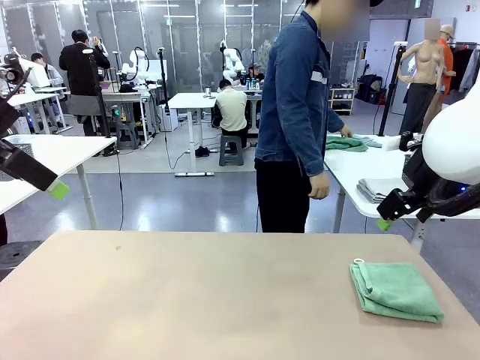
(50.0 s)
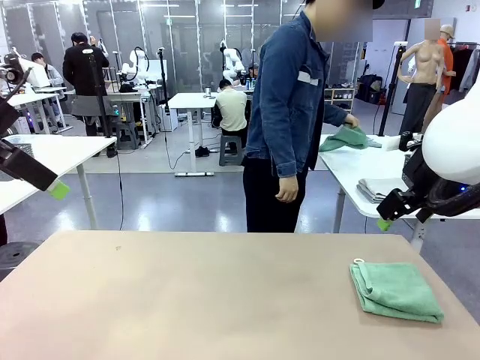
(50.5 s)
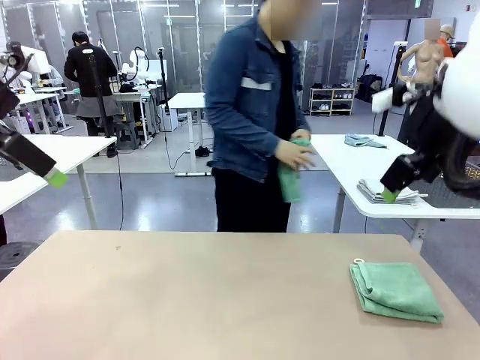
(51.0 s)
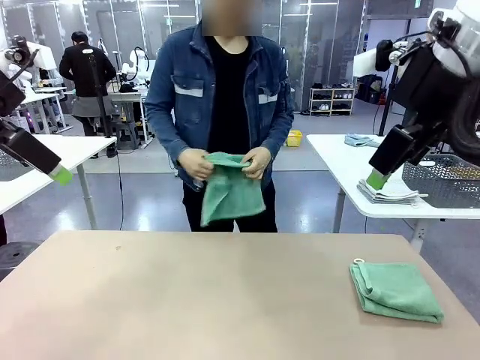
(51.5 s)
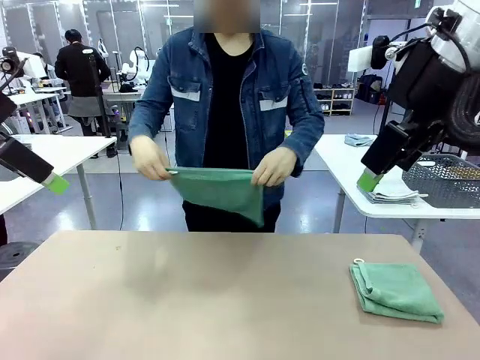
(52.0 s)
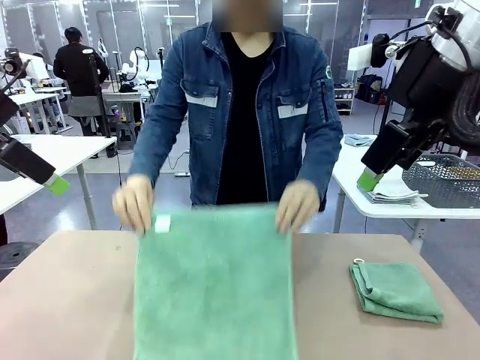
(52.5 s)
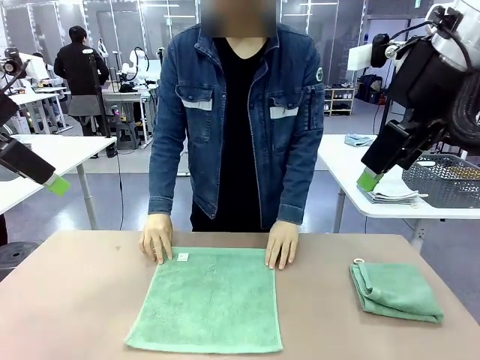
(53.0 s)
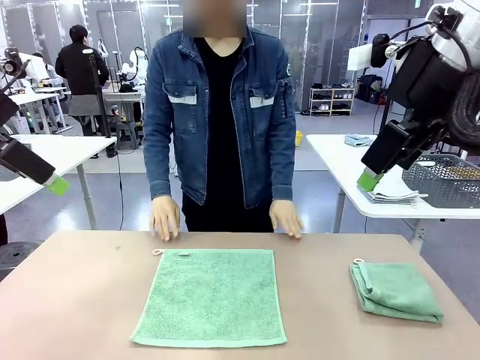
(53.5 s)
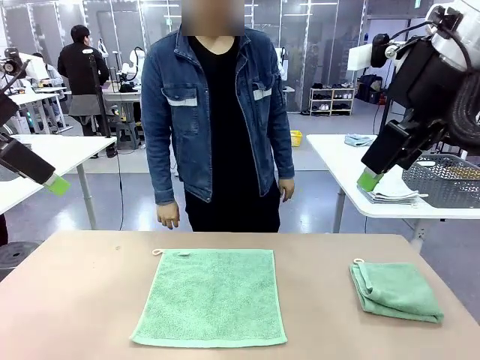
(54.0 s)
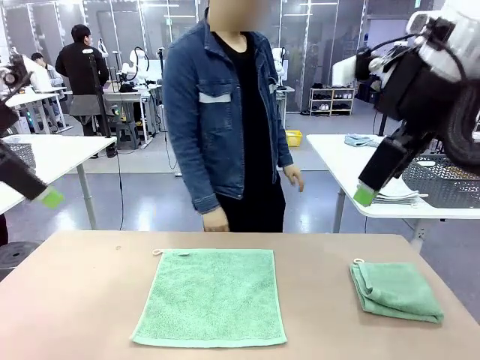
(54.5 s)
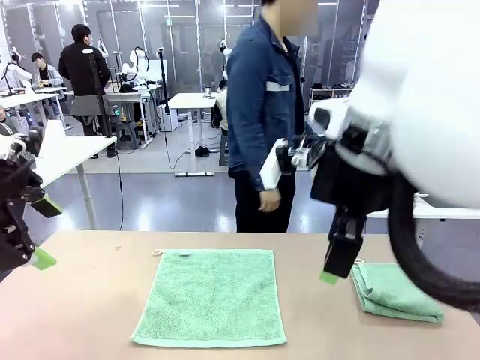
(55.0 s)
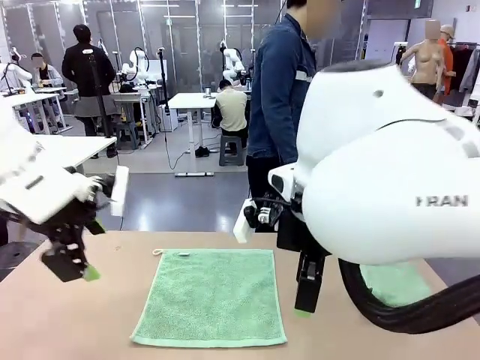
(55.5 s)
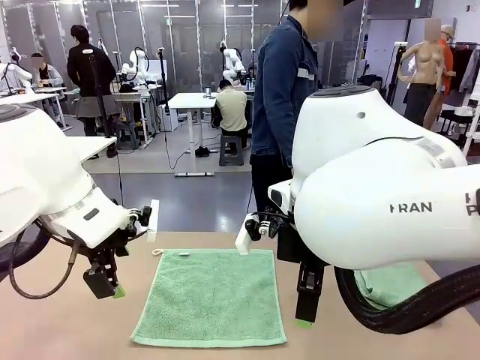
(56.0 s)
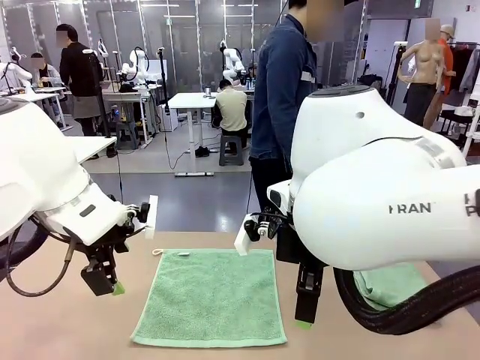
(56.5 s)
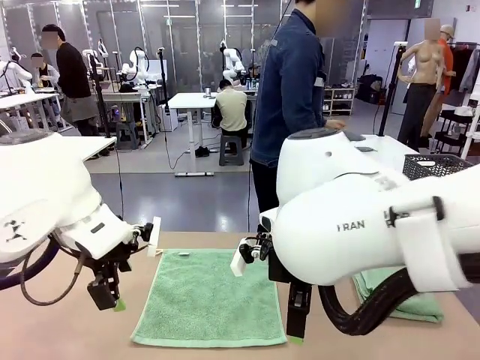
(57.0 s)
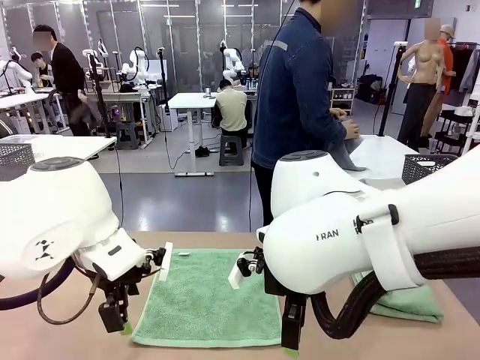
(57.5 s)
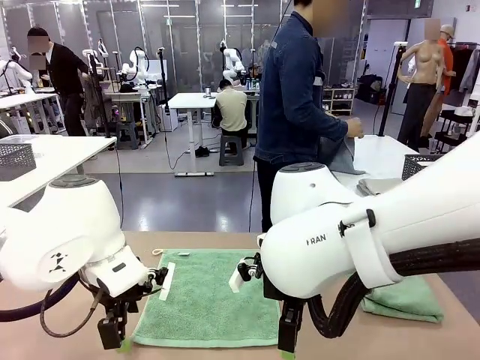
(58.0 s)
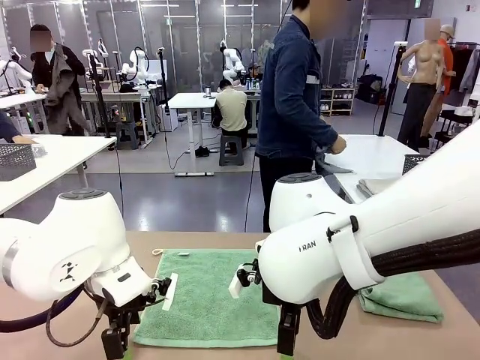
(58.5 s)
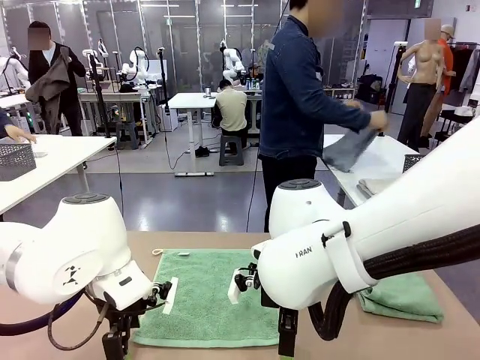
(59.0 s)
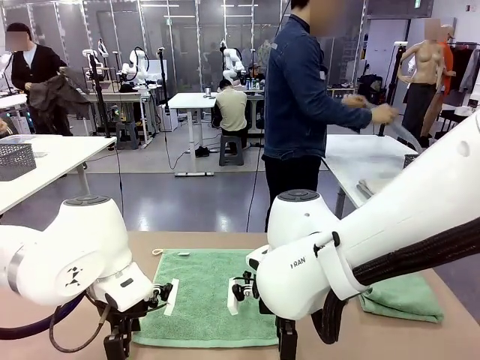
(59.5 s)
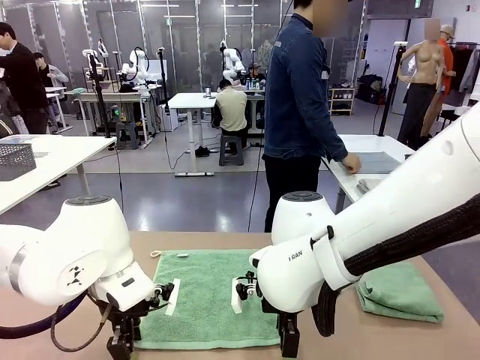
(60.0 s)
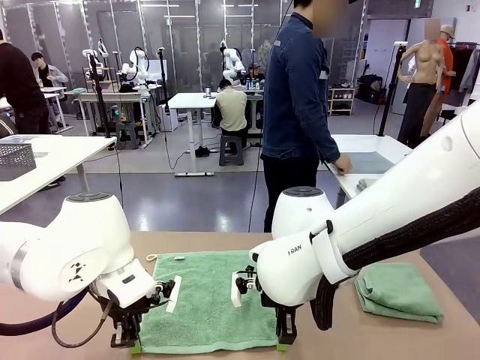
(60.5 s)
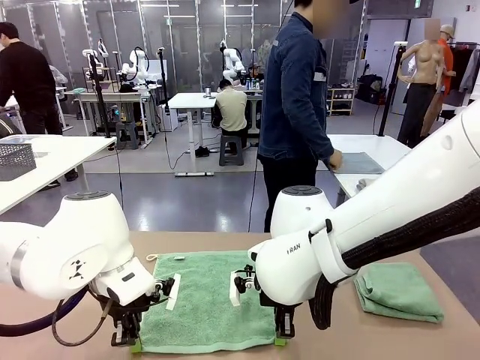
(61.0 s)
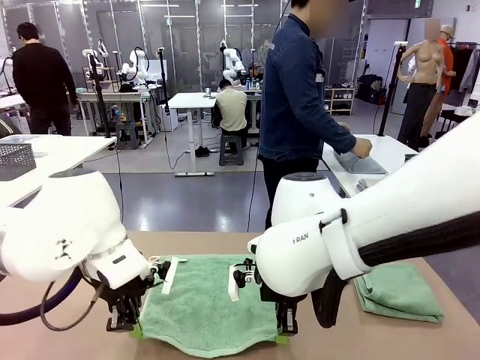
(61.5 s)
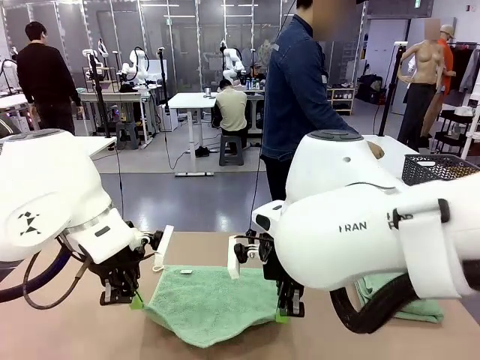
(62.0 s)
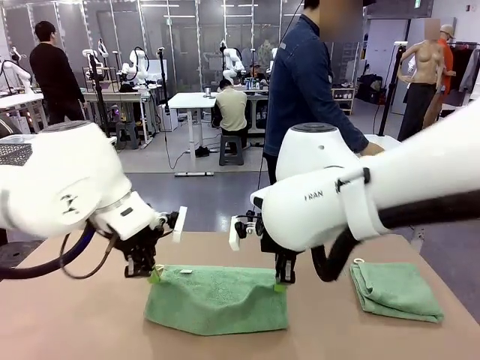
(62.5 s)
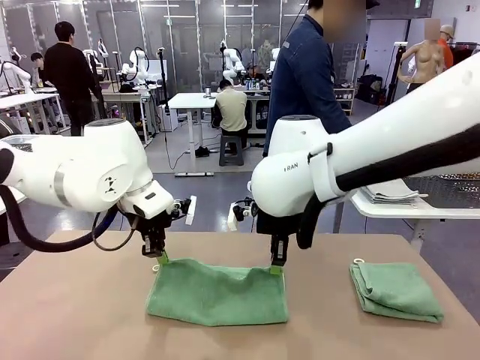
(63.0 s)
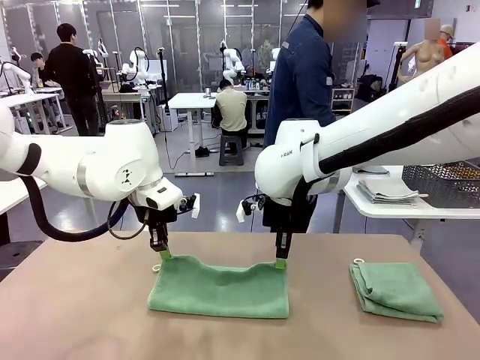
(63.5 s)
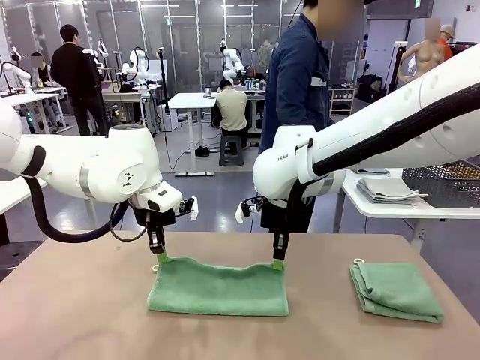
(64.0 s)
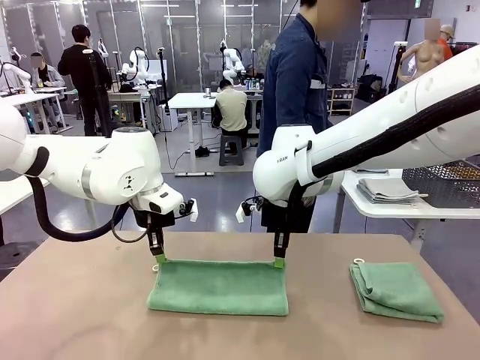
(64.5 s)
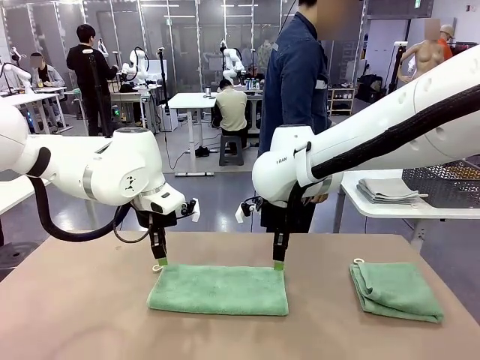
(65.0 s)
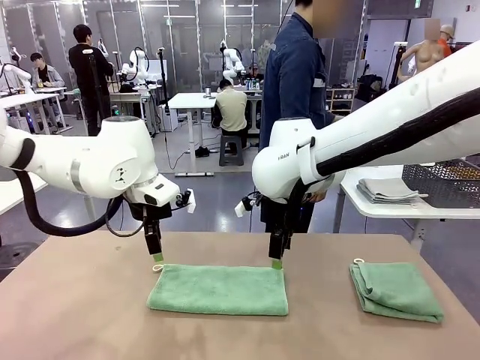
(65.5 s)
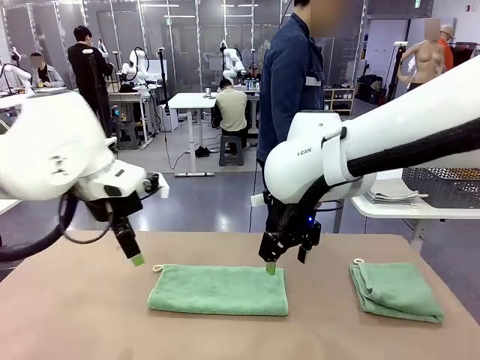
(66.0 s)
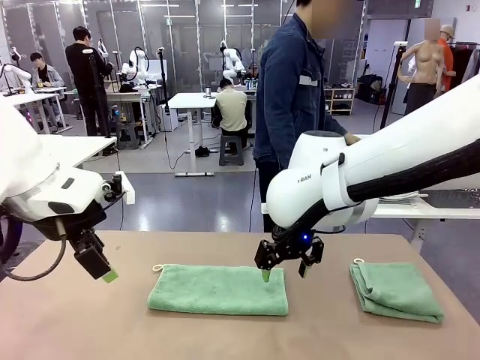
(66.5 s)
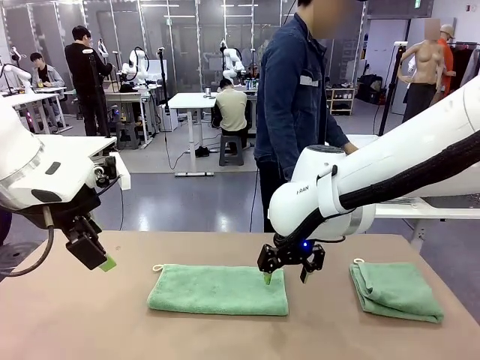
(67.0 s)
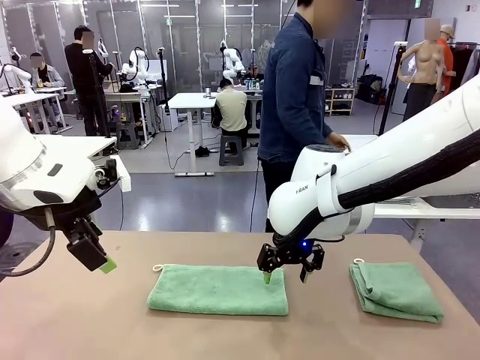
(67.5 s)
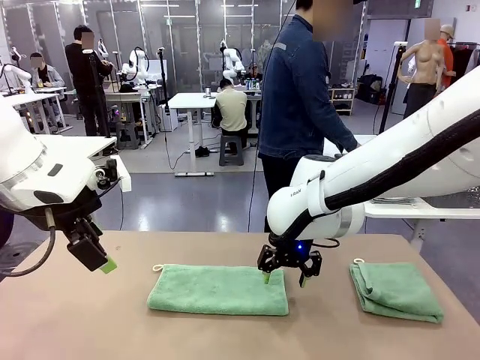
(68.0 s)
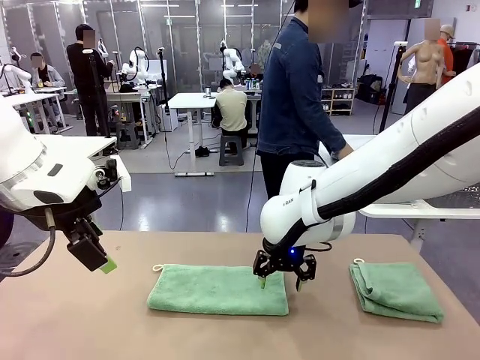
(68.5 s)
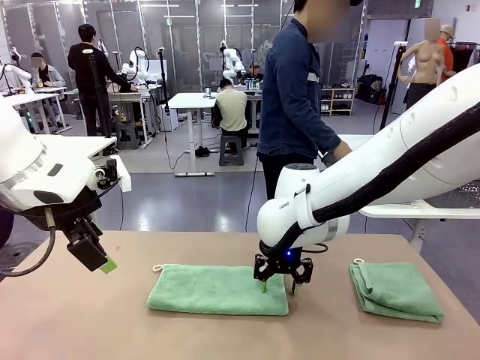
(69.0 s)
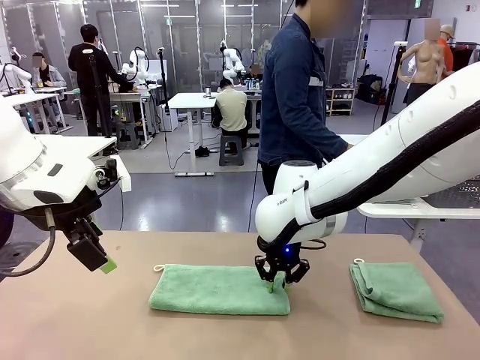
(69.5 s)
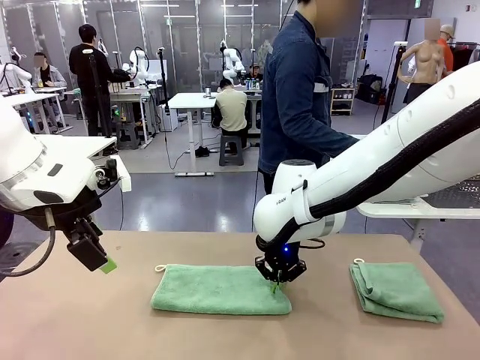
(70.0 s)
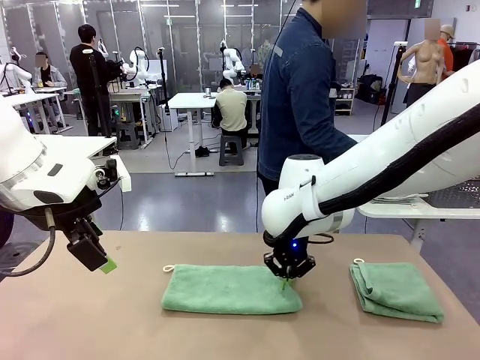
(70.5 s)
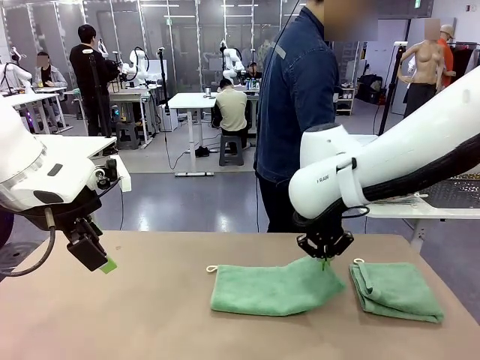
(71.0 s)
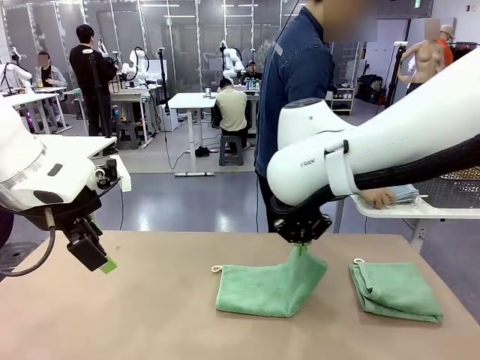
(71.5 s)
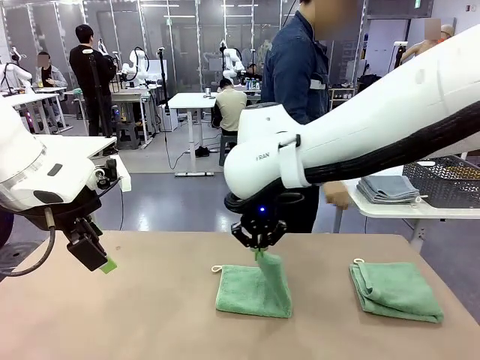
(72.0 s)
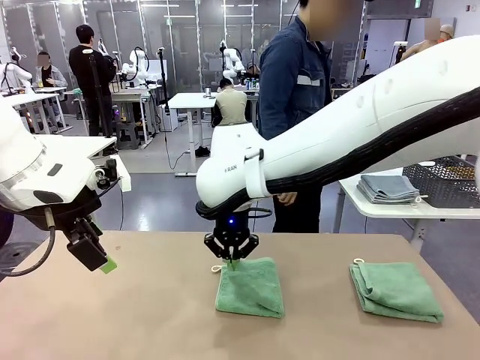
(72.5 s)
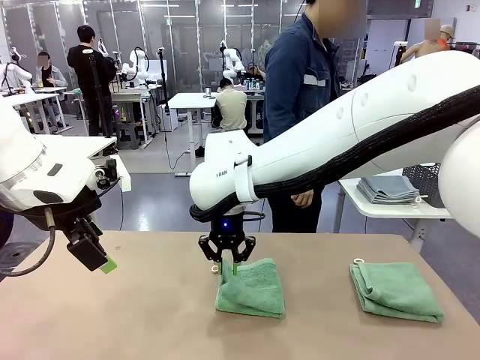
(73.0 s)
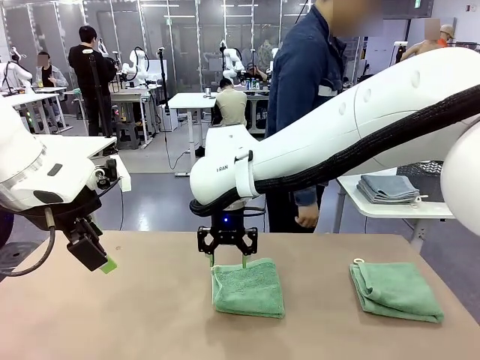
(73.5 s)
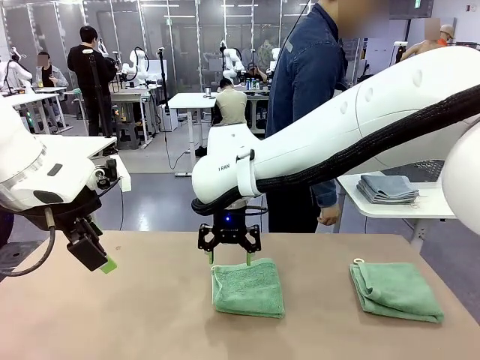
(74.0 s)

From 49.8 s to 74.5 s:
Task: Fold the towels and place them in the basket.
Robot: When a person lays out a Towel with hook on the table, fold it in half twice.
Person: Pick up one towel from the left side of the human table and spread it out at the center of the robot table. Pick up one towel from the left side of the human table, fold it in half twice, and stack it on the right side of the table.
